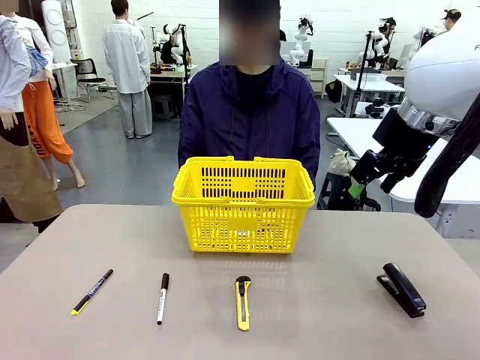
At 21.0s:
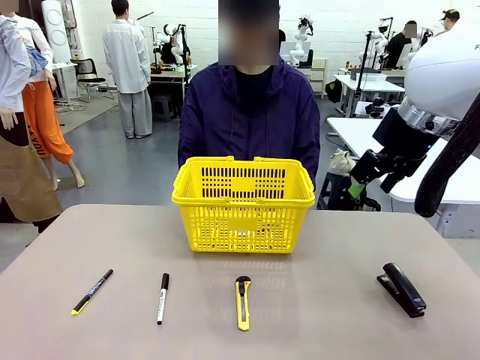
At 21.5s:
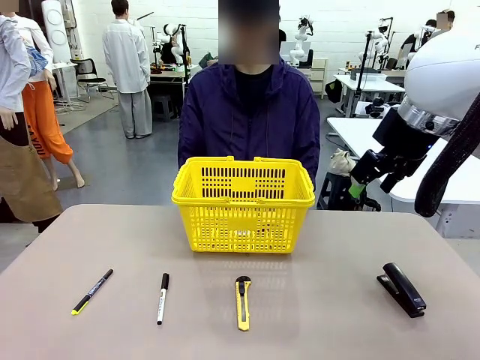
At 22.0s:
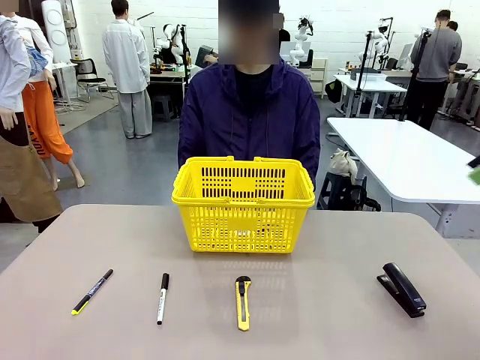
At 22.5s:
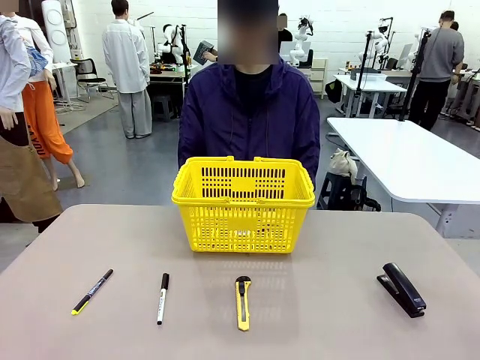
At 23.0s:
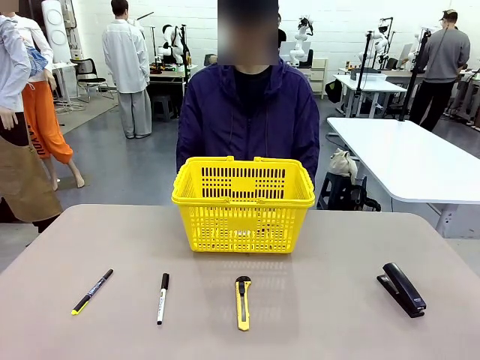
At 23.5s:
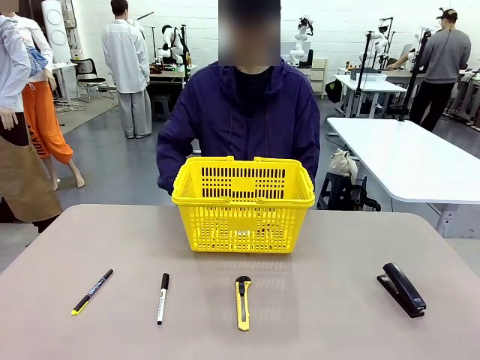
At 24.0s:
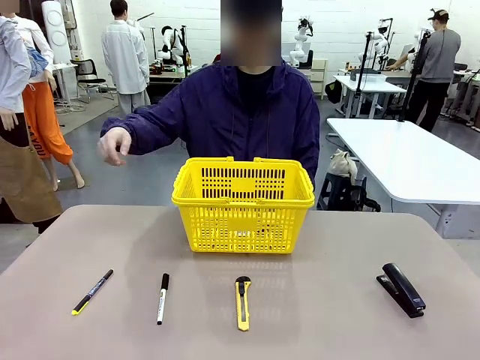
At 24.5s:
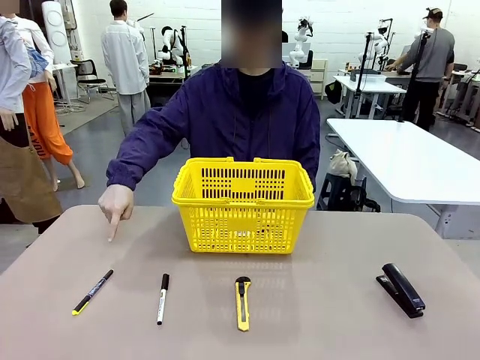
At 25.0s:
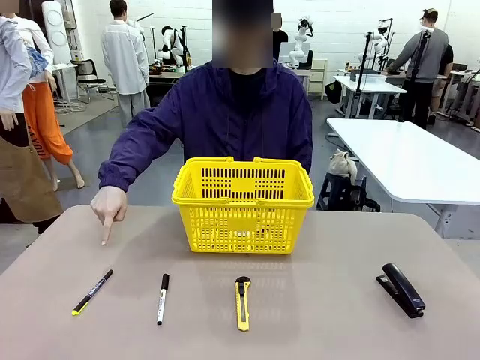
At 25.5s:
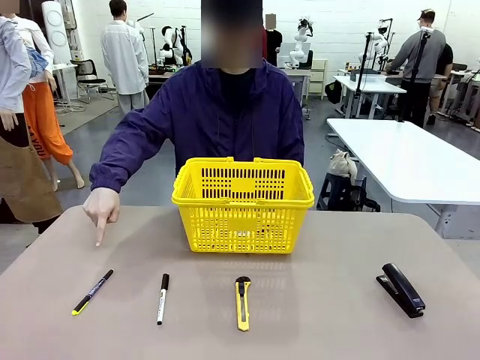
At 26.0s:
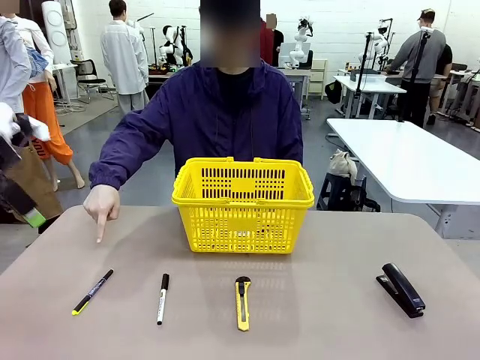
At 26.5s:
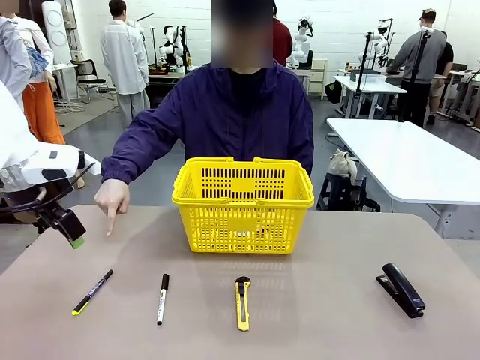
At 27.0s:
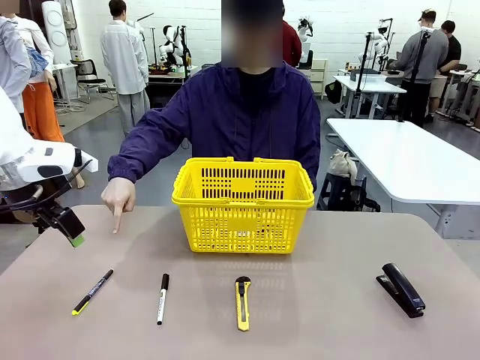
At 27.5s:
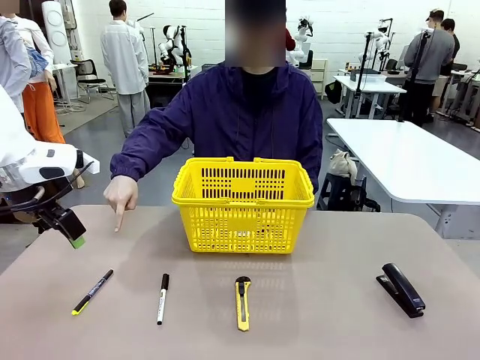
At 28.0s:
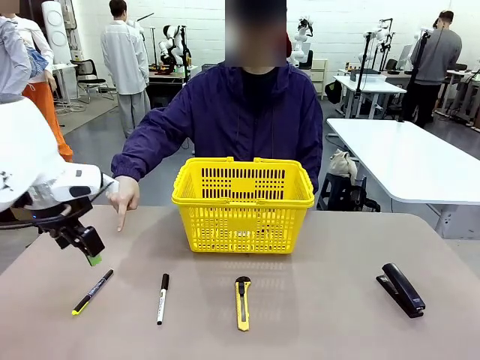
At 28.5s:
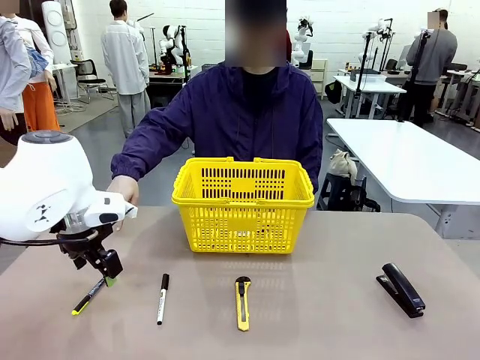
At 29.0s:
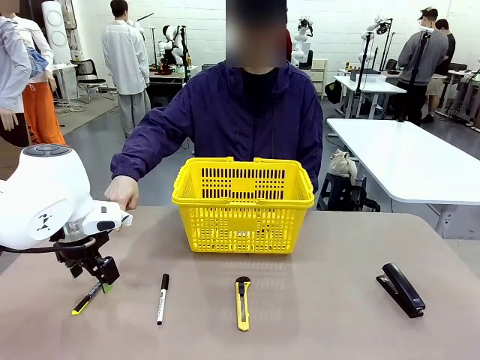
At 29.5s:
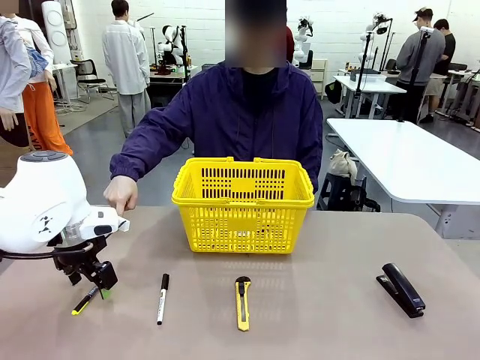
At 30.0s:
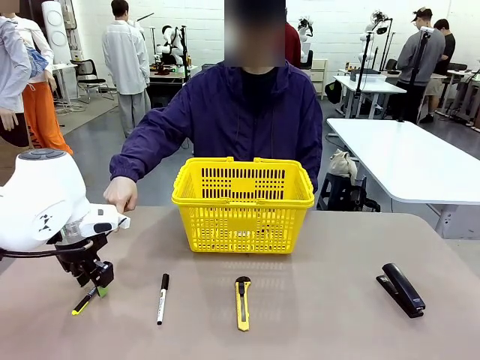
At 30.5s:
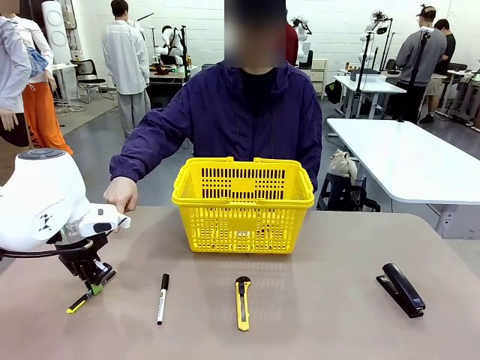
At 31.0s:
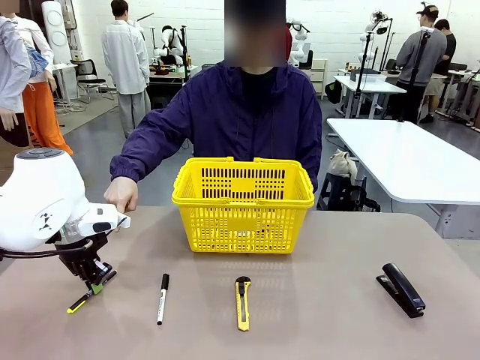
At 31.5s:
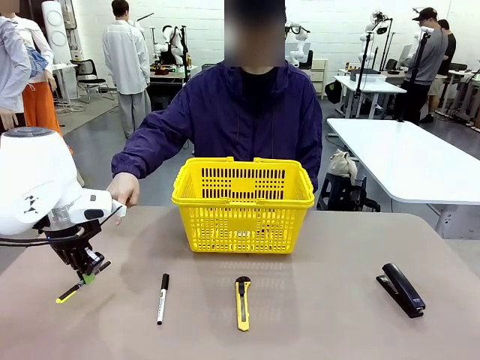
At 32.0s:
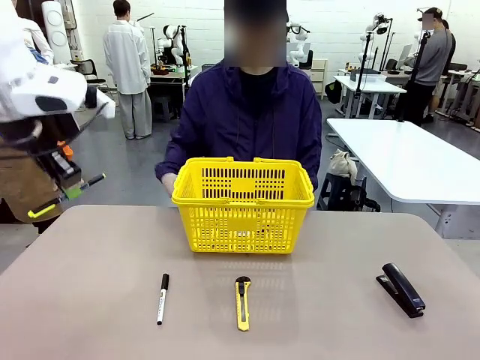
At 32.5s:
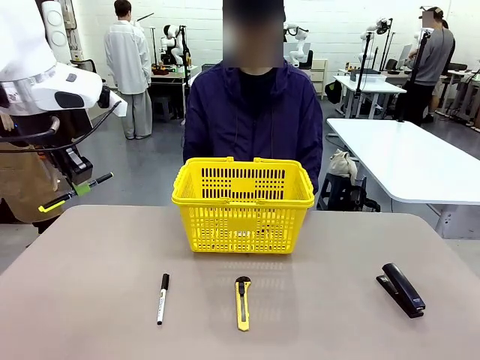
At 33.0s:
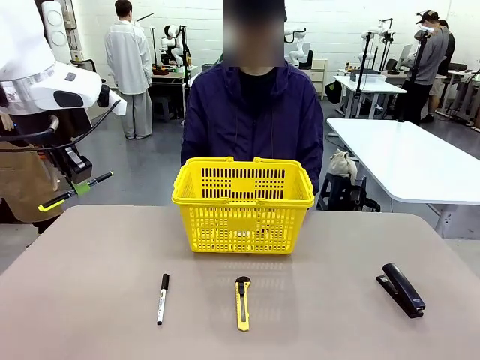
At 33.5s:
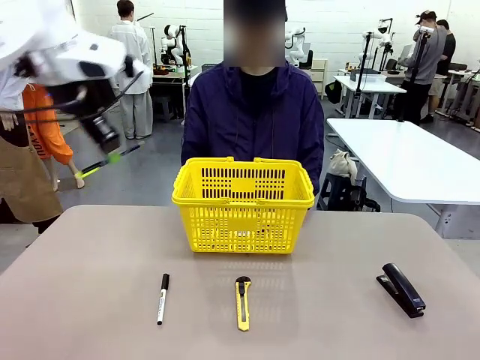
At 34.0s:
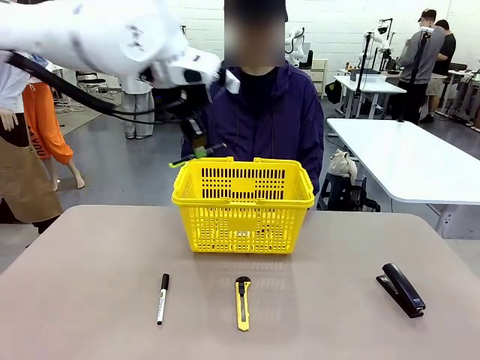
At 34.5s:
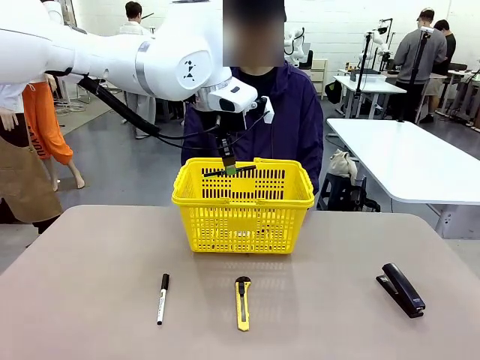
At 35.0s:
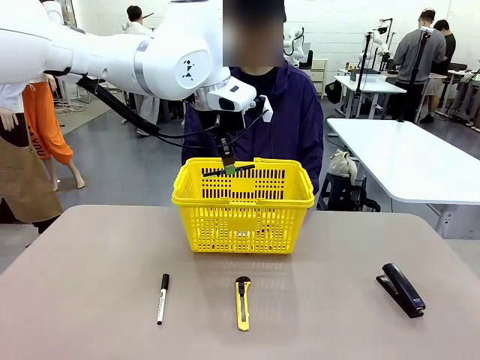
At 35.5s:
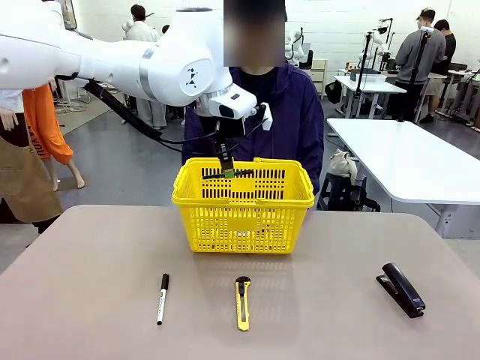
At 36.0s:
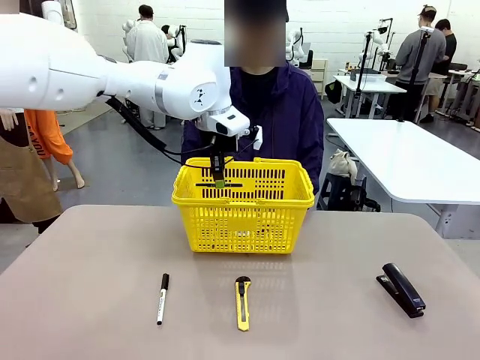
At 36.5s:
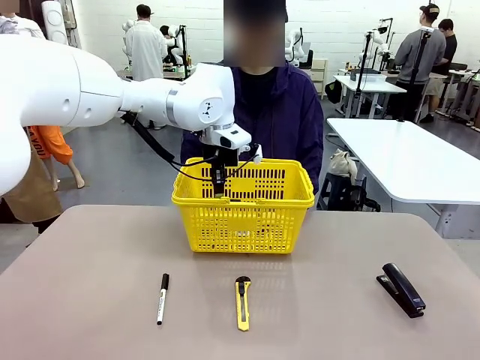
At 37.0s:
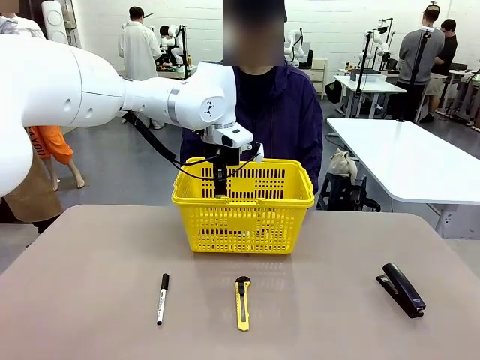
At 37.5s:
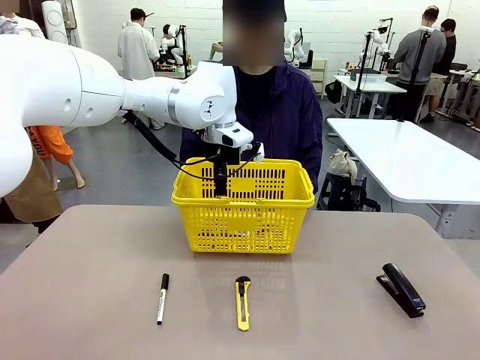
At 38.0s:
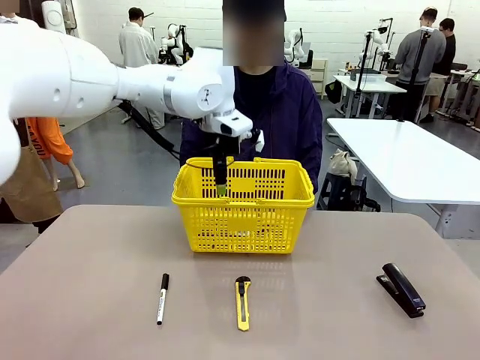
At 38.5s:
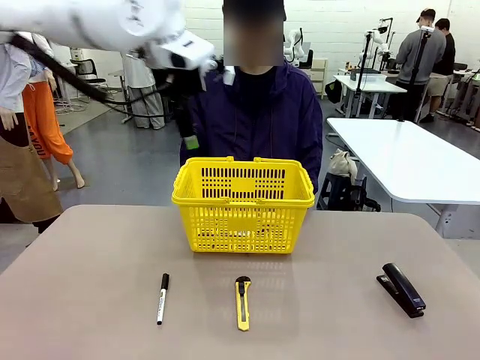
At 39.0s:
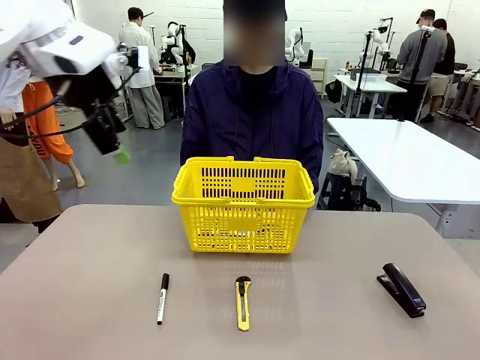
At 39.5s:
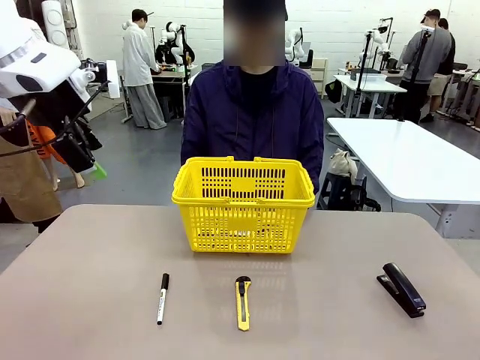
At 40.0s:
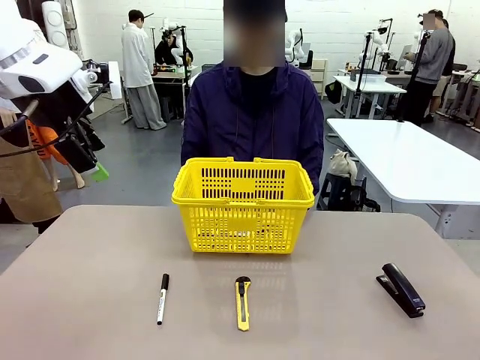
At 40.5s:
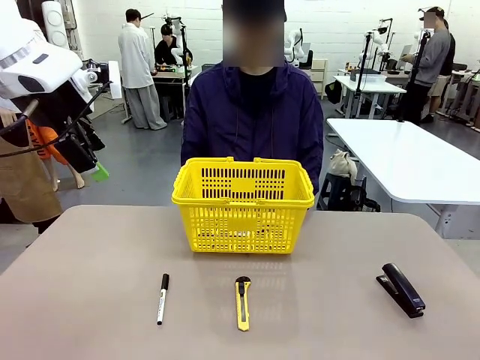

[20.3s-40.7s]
Task: Place the items the person wants into the basket.
Robot: Pick up the item the person points to and place it in the Market Basket.
